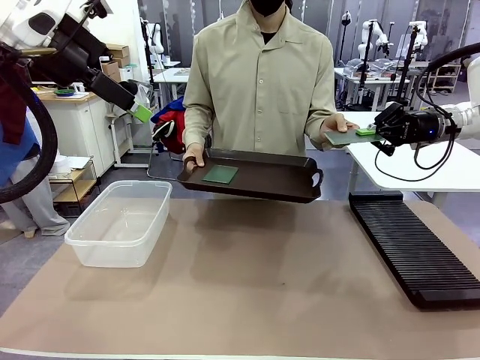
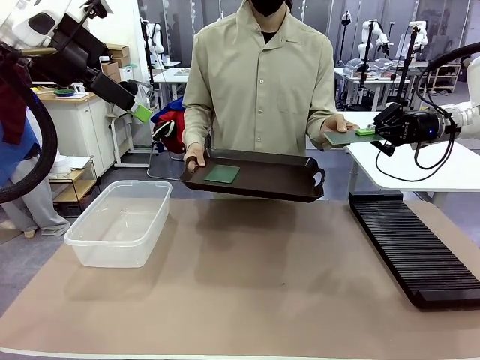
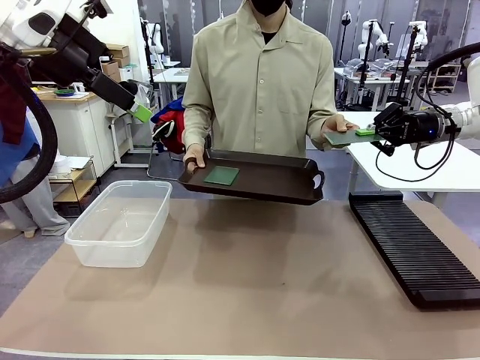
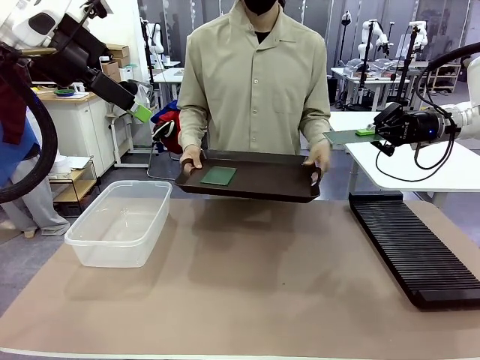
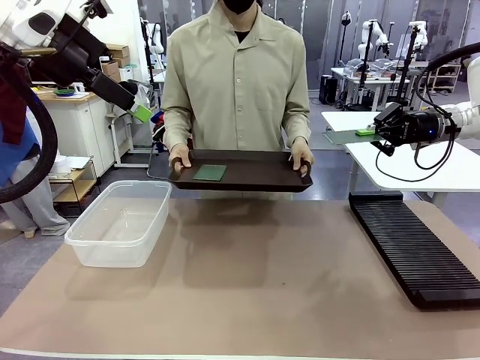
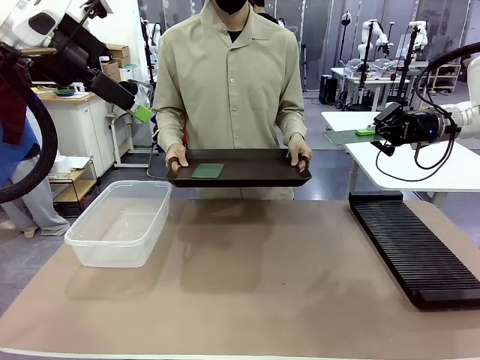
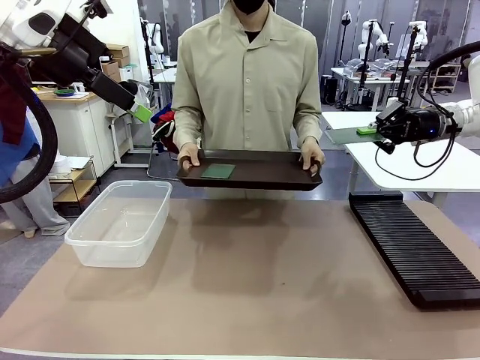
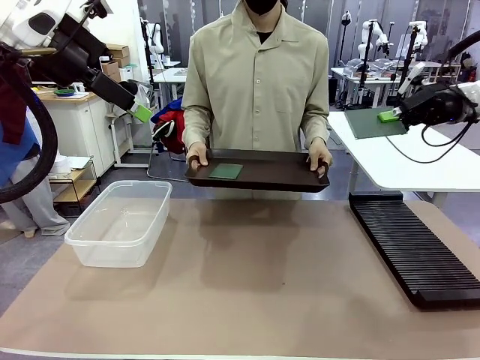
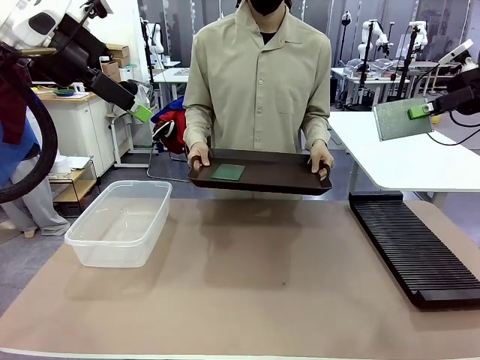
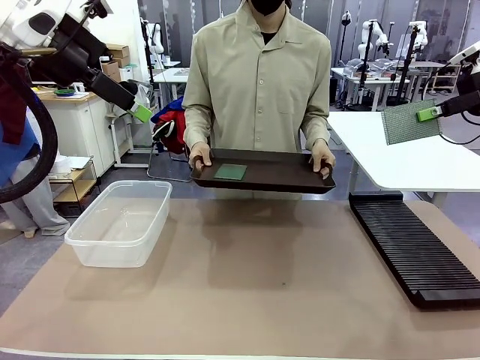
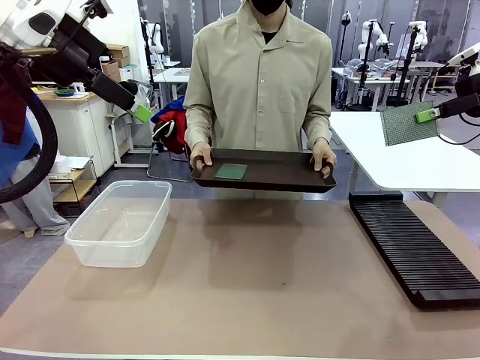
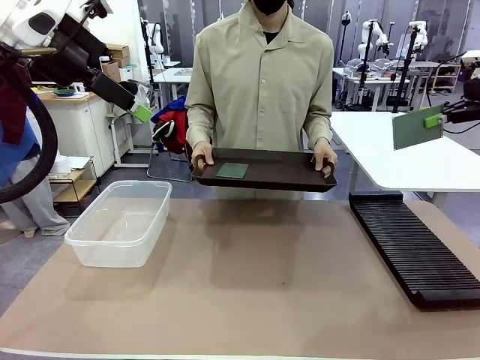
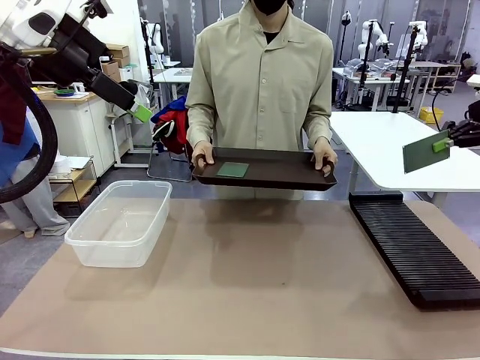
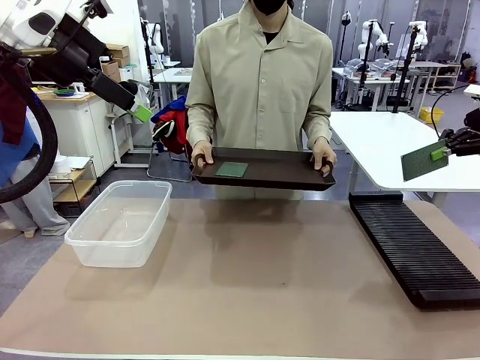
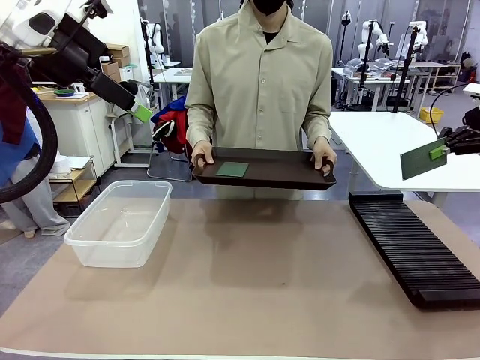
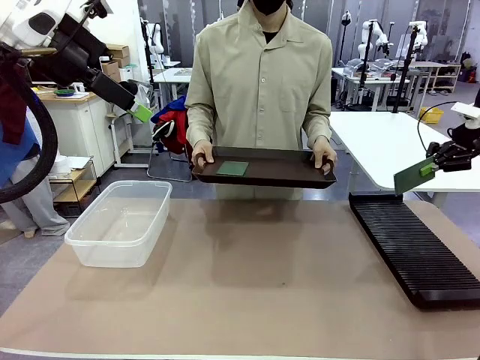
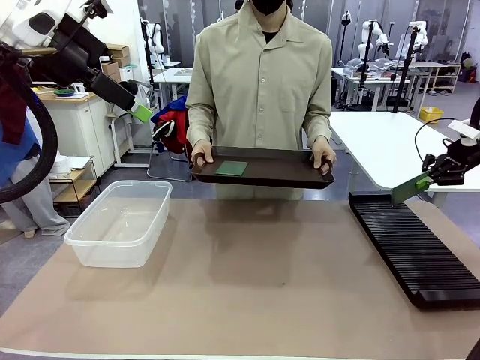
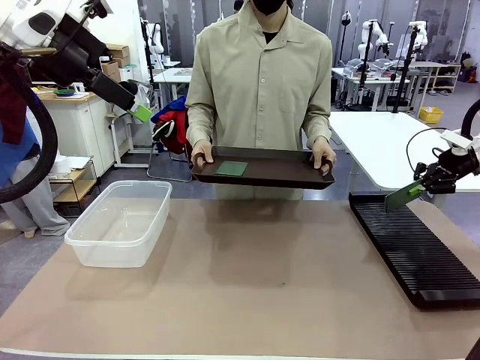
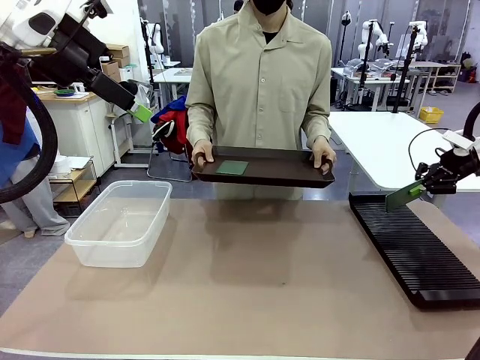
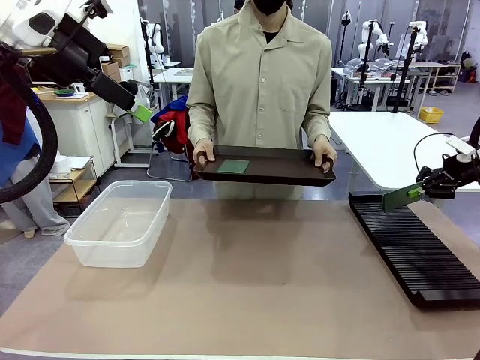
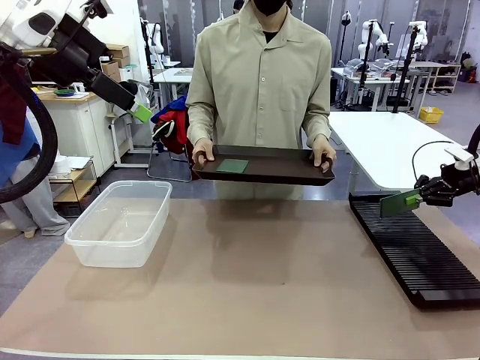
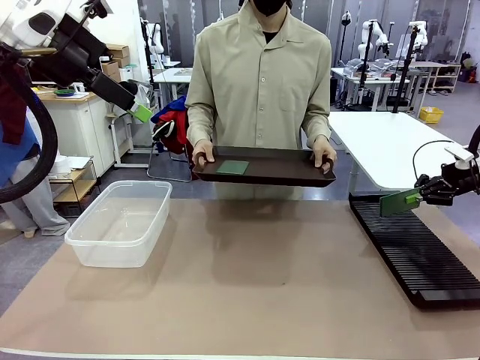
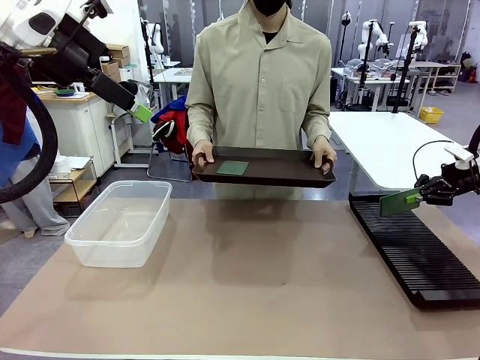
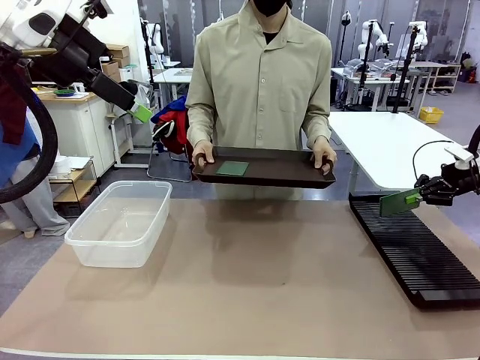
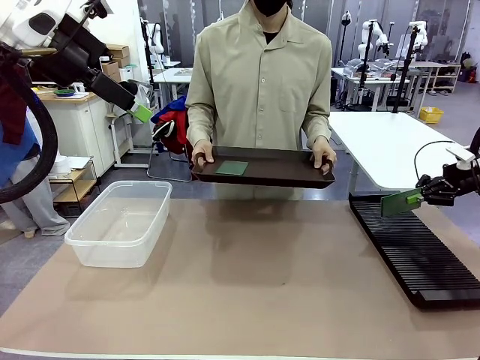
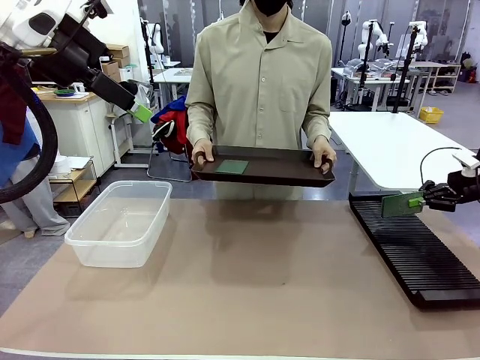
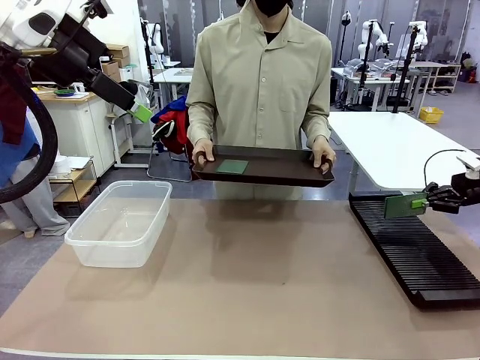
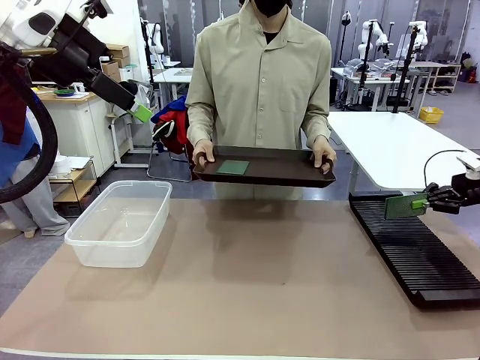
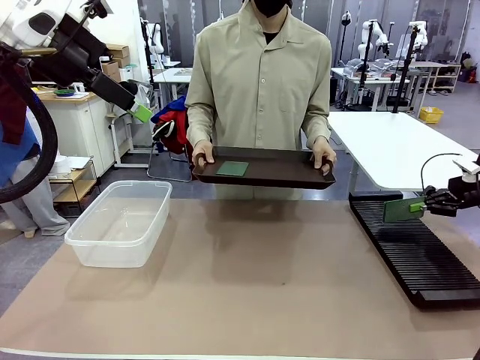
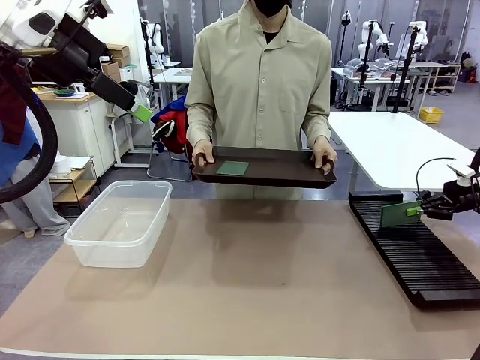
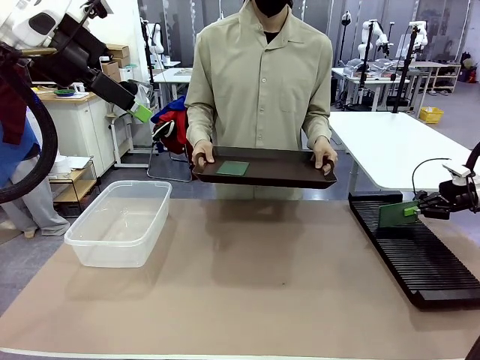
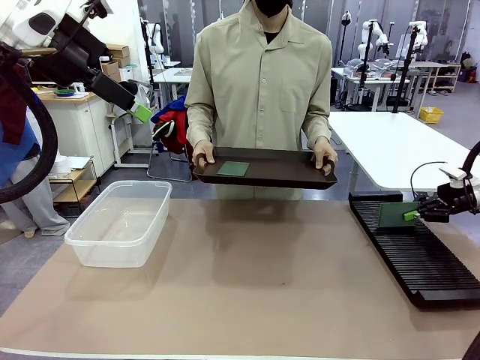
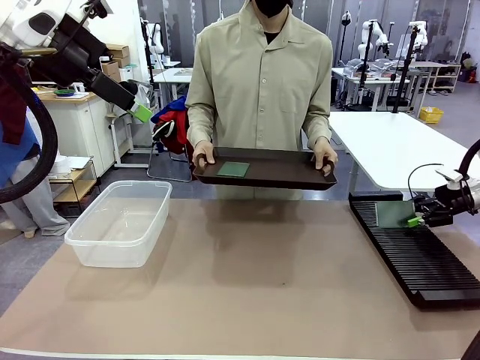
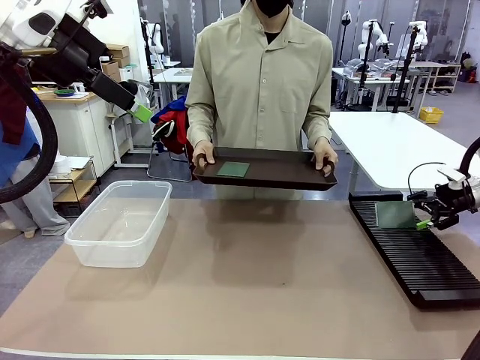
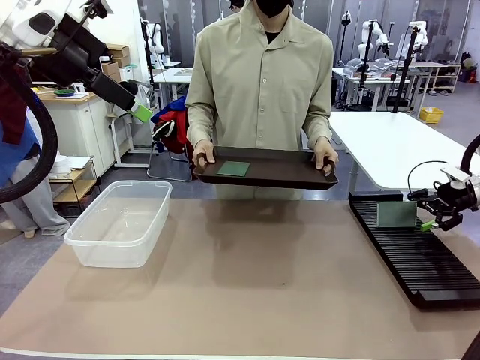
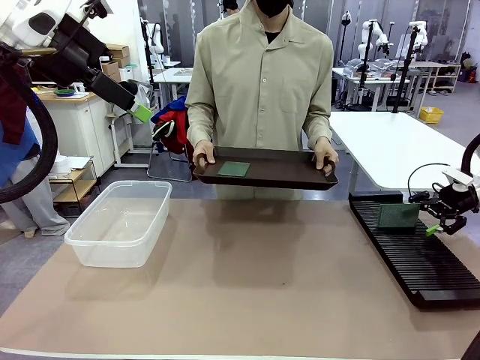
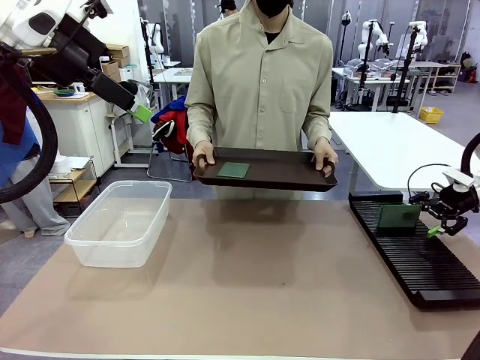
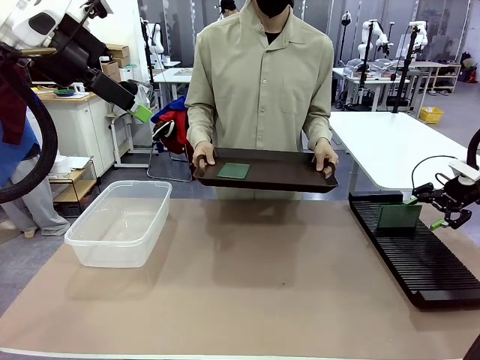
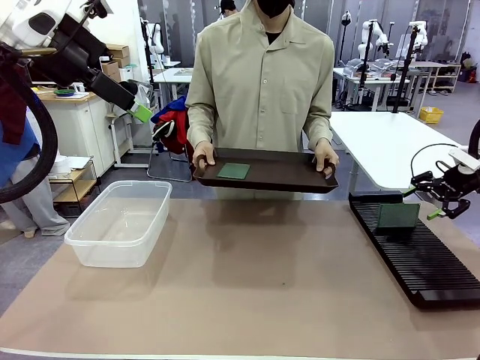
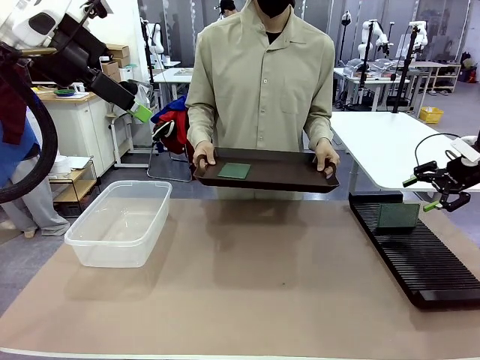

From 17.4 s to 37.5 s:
Task: Sort PCBs into racks and boxes based on the side picked up.
Robot: If the short side of the Blank PCB is picked up, insert it into the PCB Rack ; if the long side is picked up, place it in the Organizing box.
Person: Pick one PCB from the tray and present it to the robot.

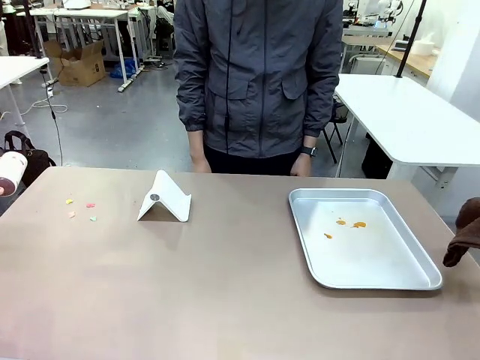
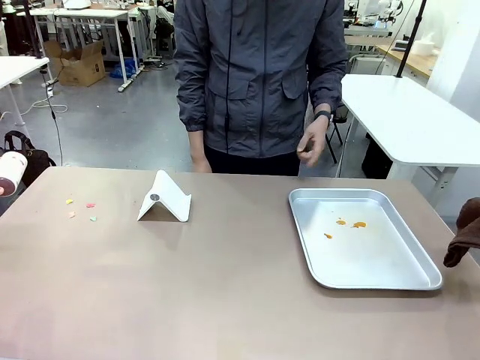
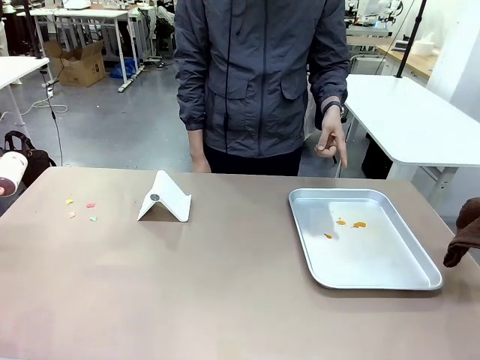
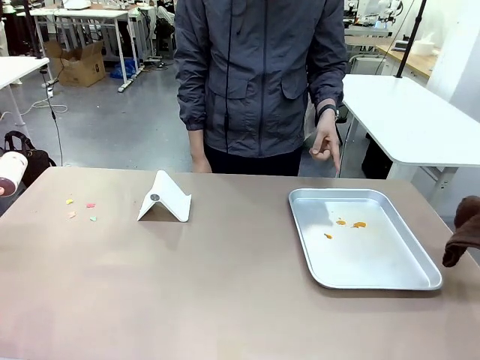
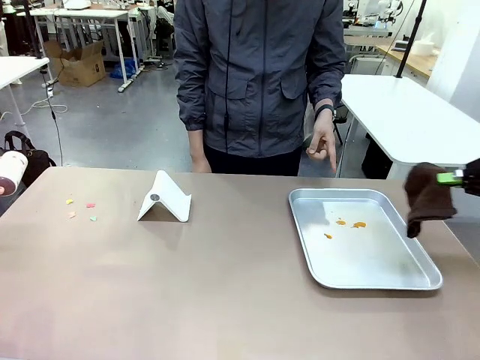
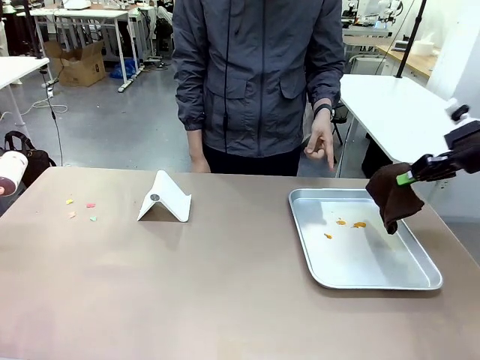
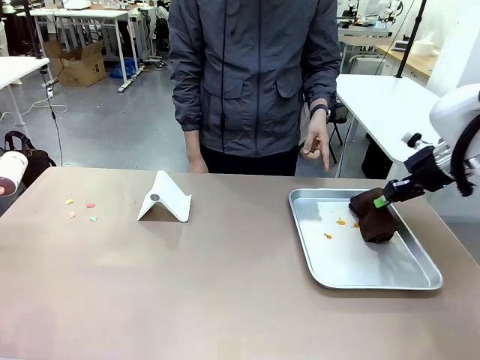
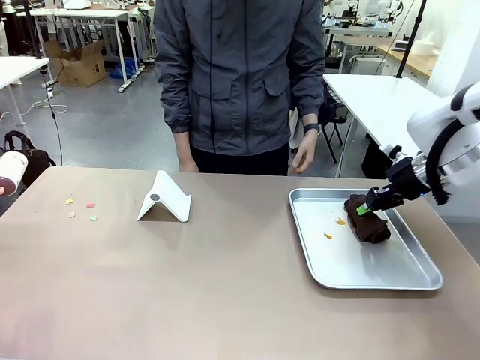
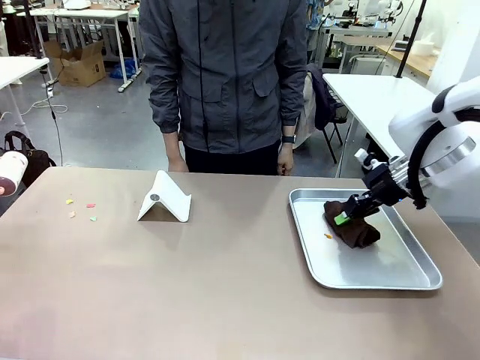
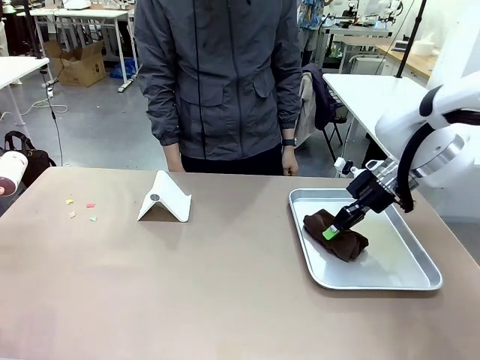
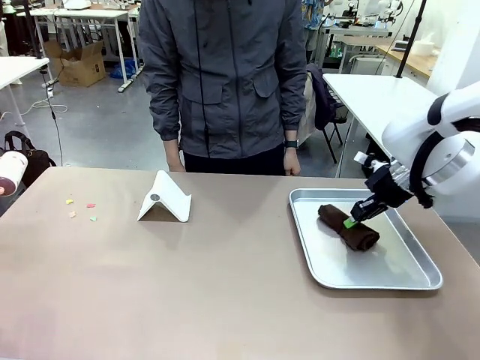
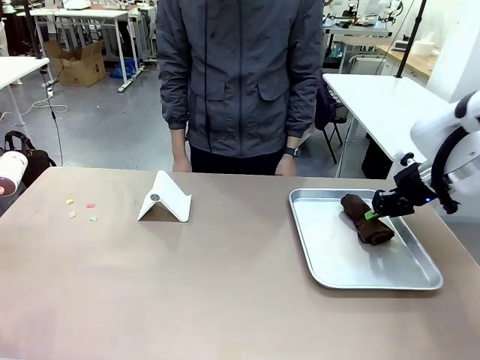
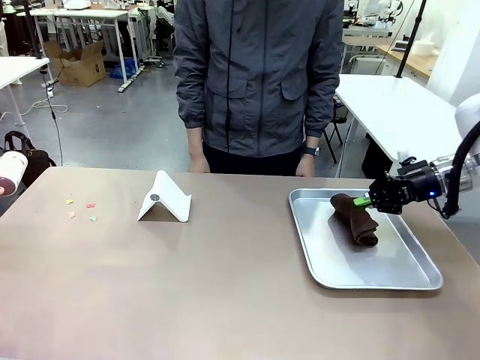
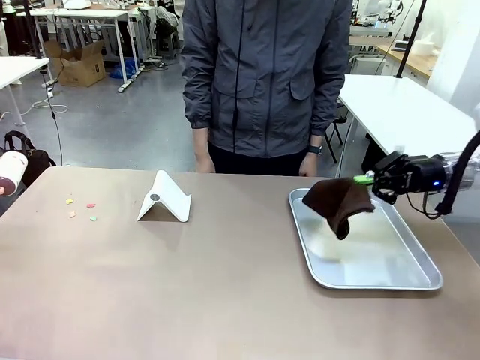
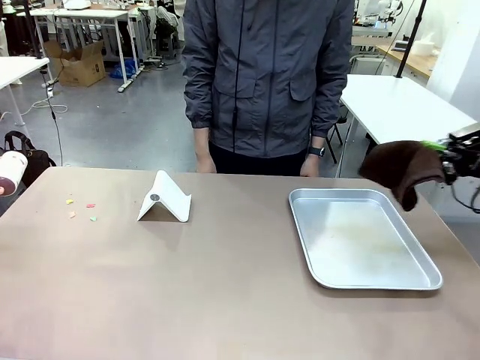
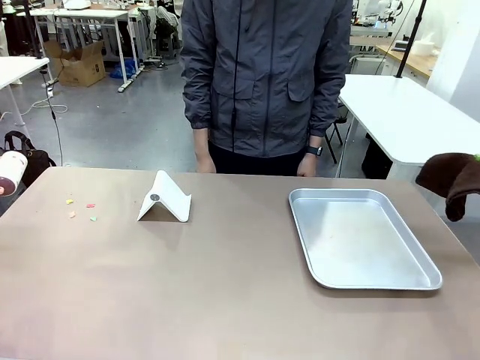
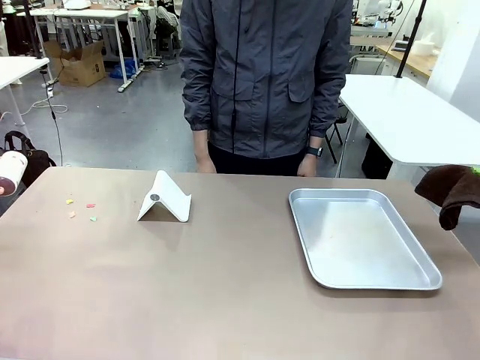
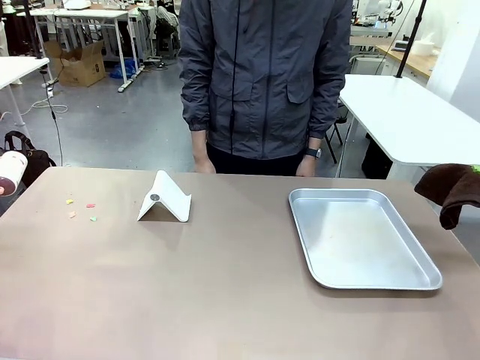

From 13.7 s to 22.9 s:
Task: Clean the surface of the table.
Robot: If a person points to the right, clean the right side of the table with your right hand, and if they point to the left, clean the left side with your left hand.
